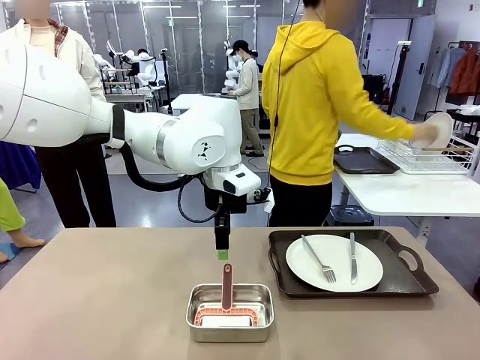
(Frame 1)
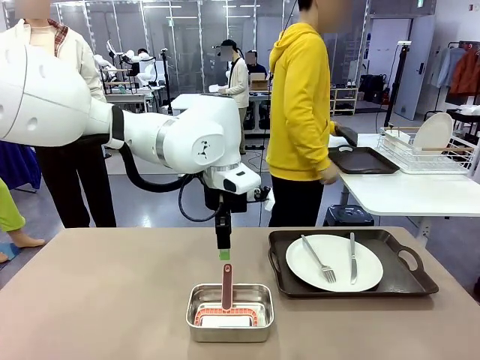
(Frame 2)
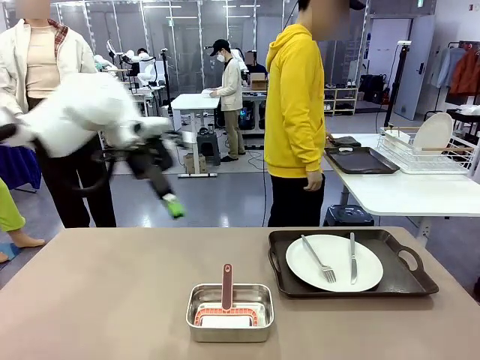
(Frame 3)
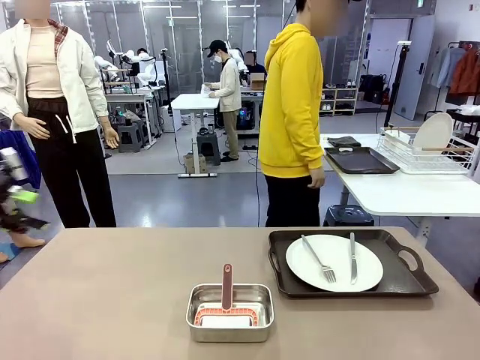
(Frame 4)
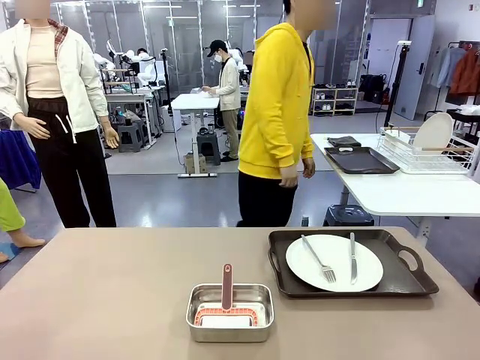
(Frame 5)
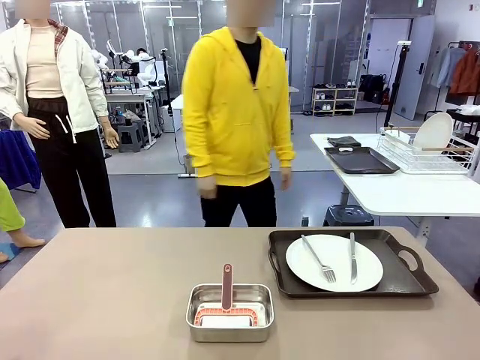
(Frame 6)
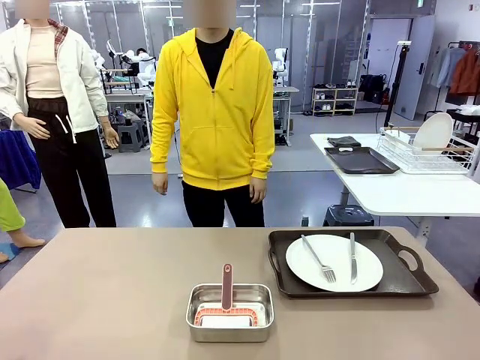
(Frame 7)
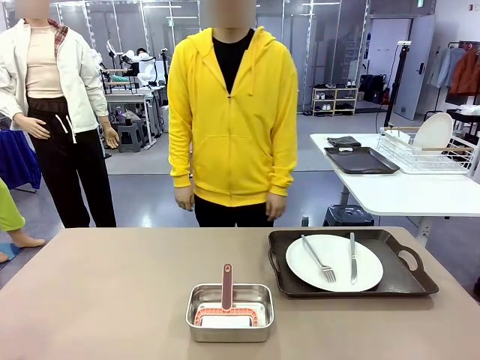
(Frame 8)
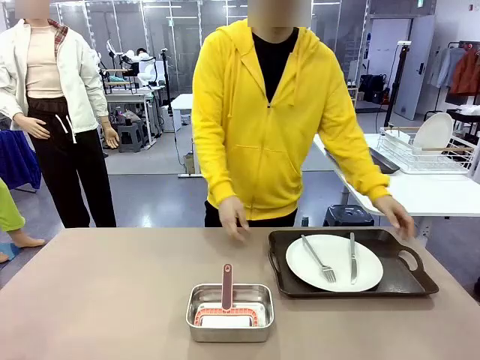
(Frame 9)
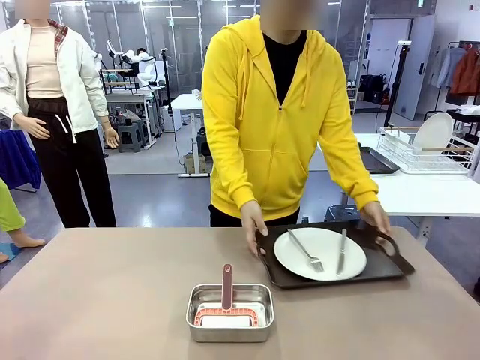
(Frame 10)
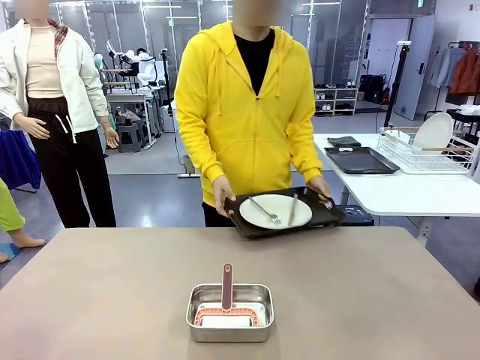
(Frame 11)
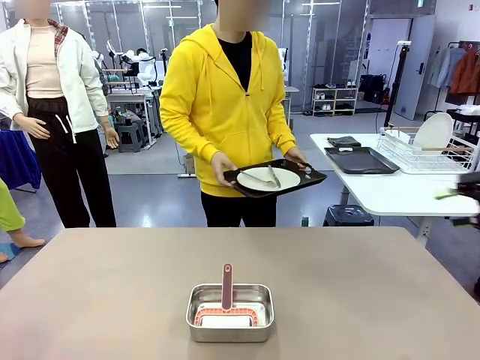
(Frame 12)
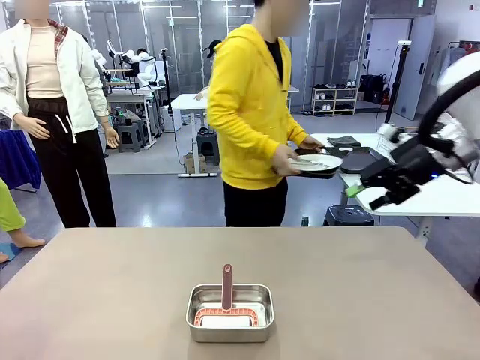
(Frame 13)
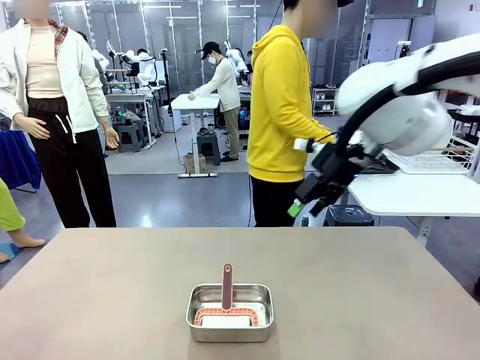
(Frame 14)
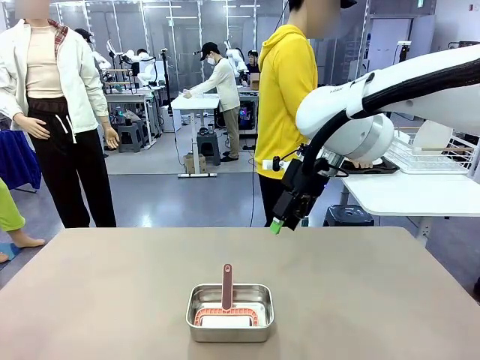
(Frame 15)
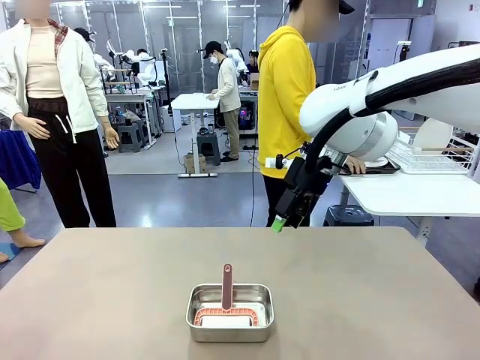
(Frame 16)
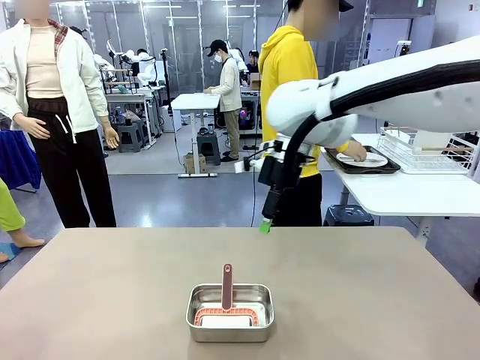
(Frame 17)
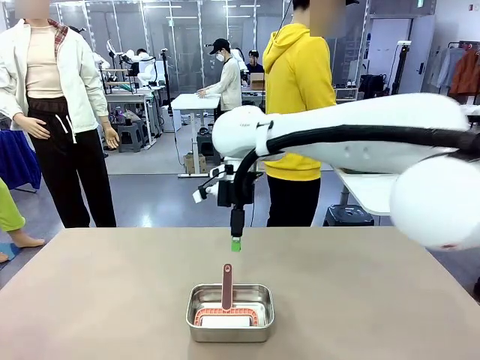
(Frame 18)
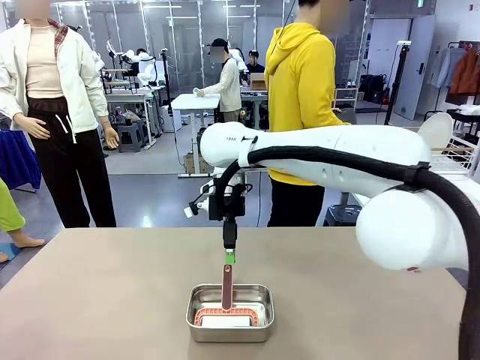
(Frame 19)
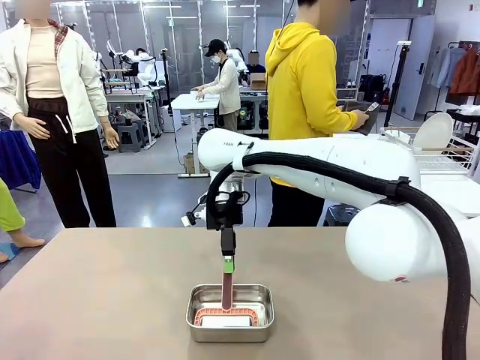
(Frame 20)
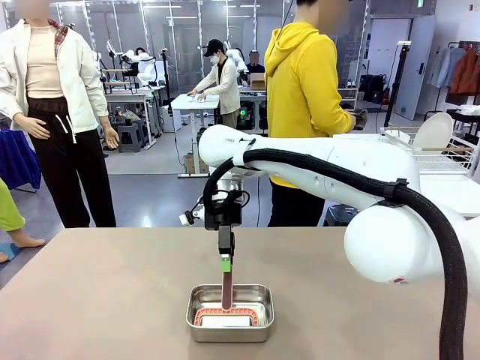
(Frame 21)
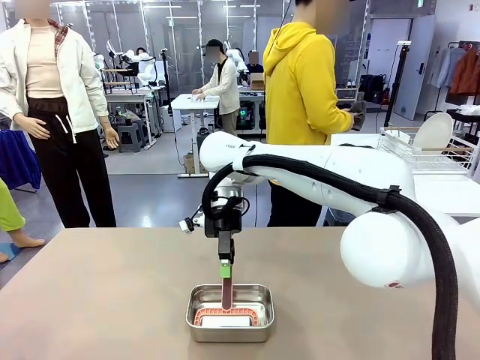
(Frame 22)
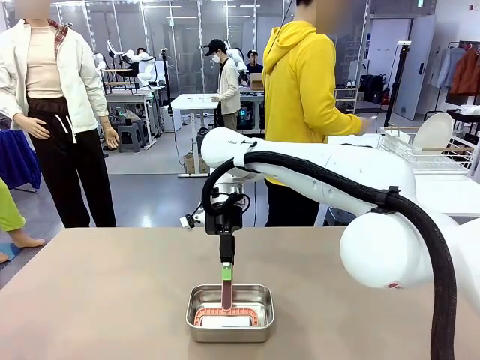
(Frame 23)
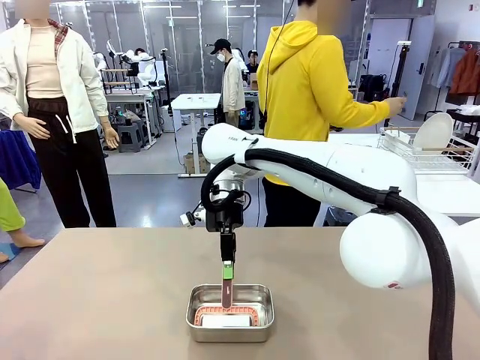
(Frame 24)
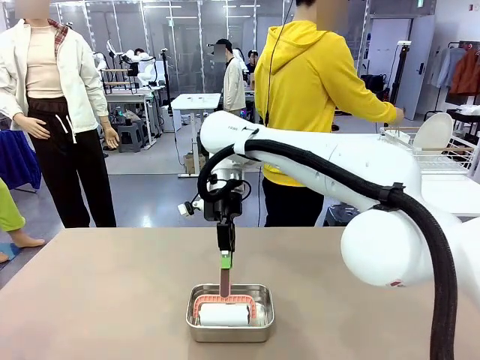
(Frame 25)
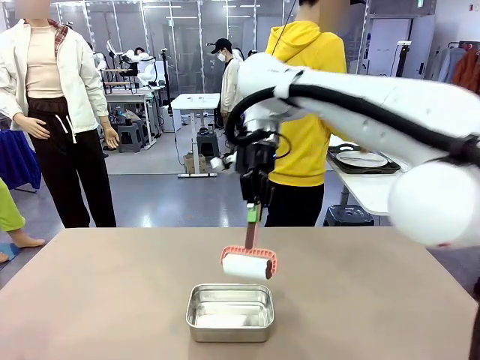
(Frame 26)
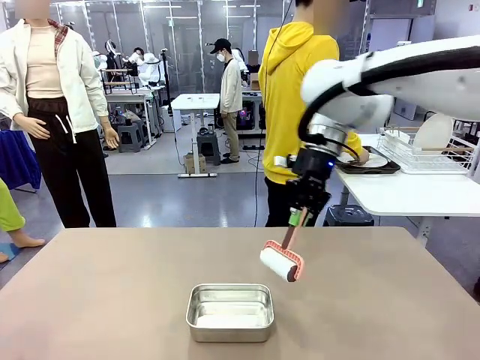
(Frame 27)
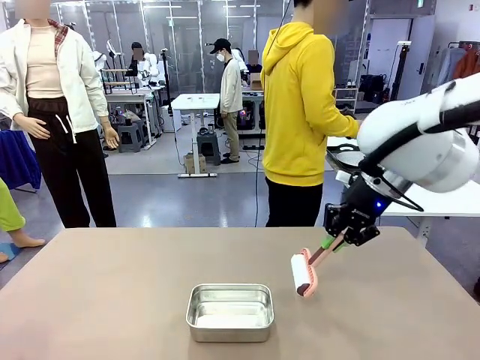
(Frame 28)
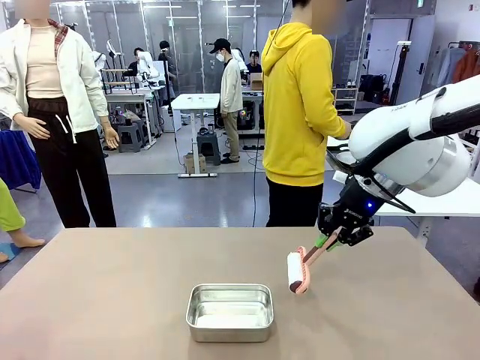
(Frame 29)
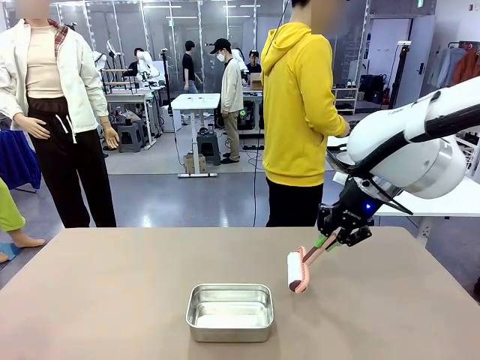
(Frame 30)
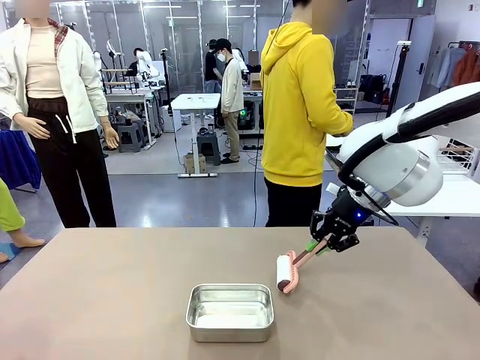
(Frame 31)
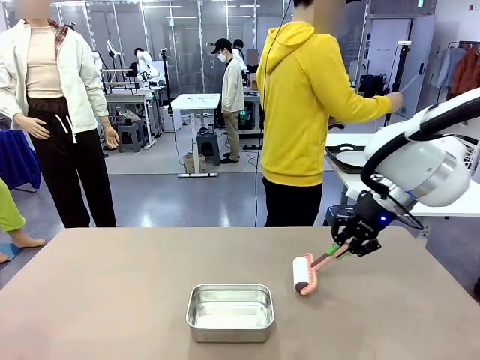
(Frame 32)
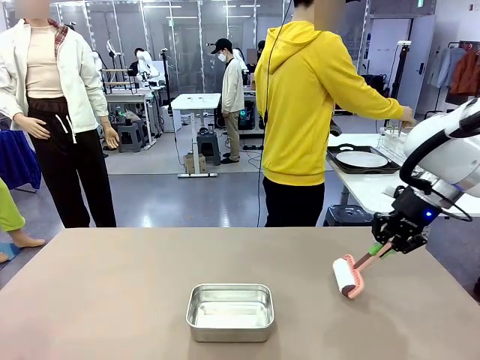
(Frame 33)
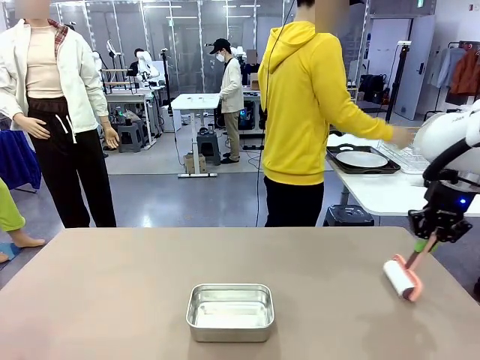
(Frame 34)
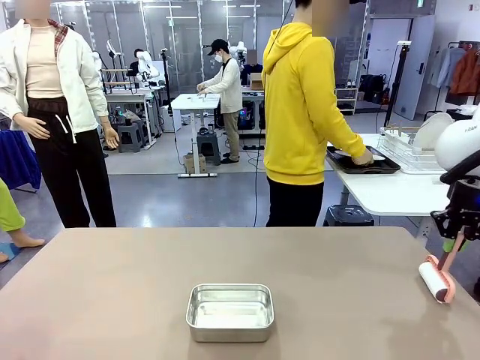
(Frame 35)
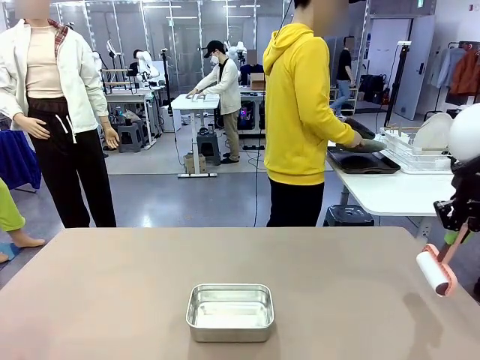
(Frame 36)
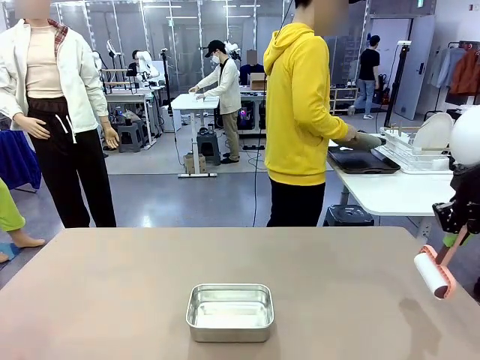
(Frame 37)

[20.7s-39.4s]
Robot: When the right (or left) Handle tray is removed, use the right hand (or left hand) to clean the right (or left) side of the table with the Lint Roller.
Person: Pick up the left (or right) Handle tray and place it on the Handle tray.

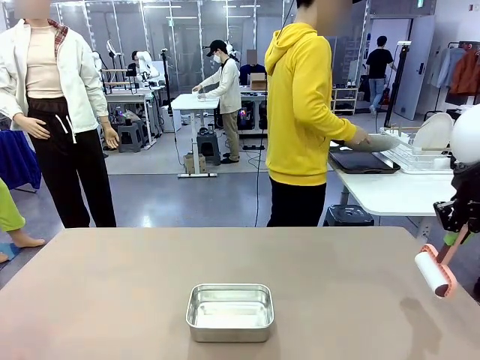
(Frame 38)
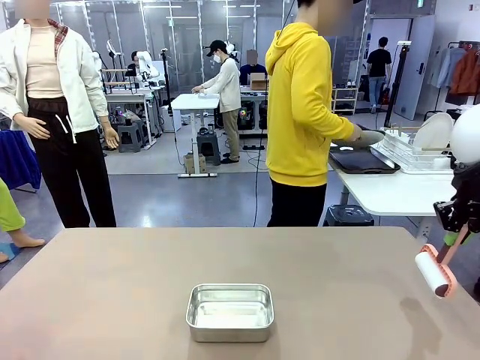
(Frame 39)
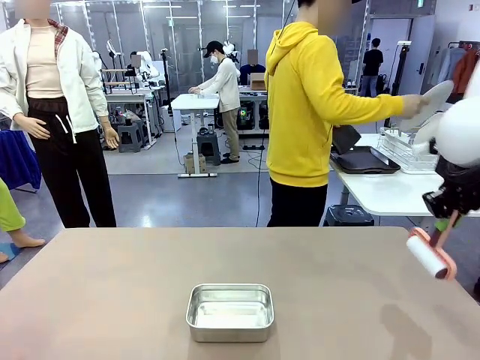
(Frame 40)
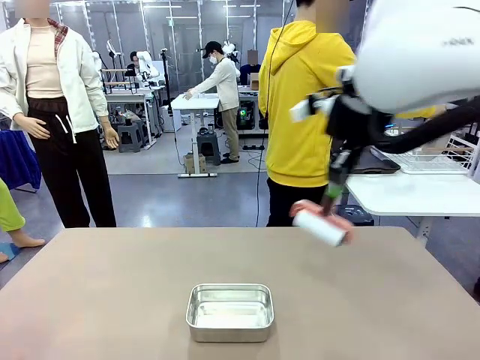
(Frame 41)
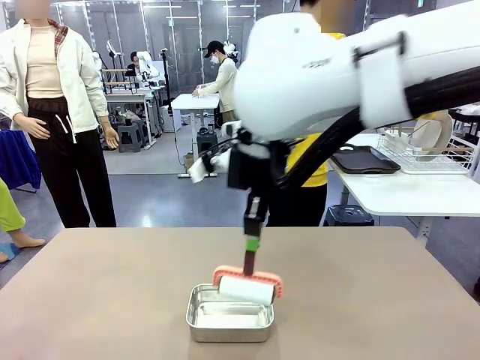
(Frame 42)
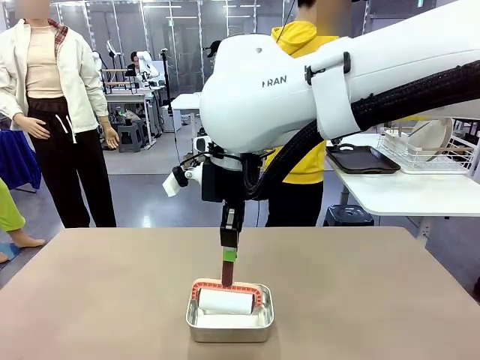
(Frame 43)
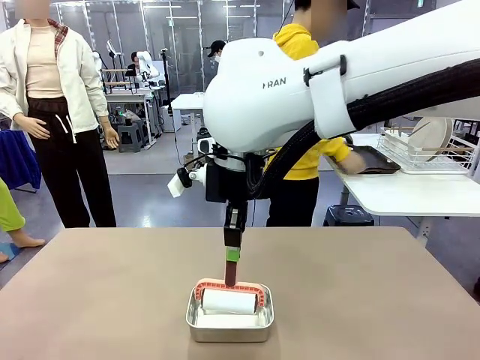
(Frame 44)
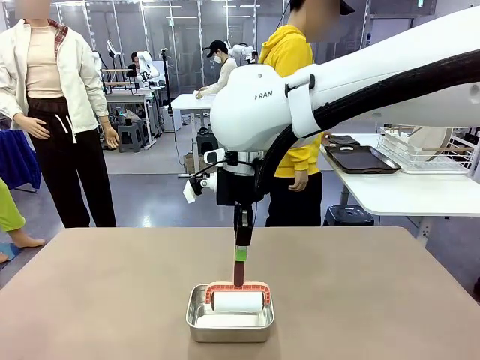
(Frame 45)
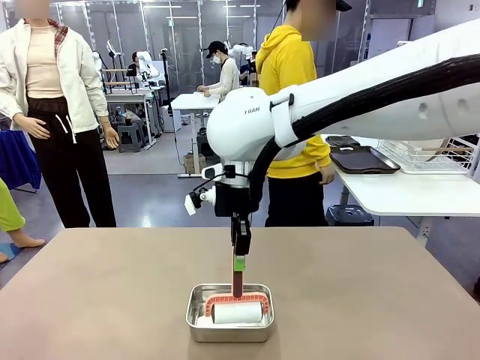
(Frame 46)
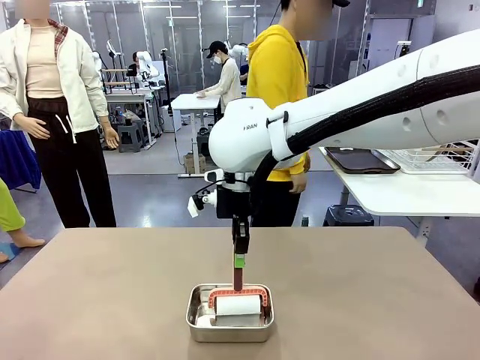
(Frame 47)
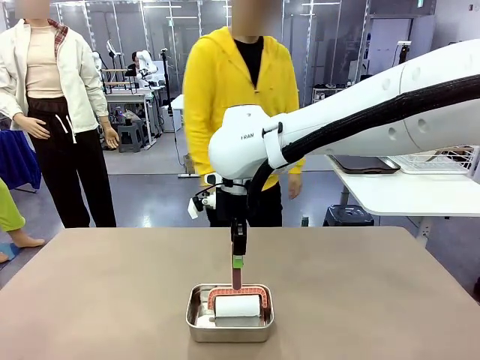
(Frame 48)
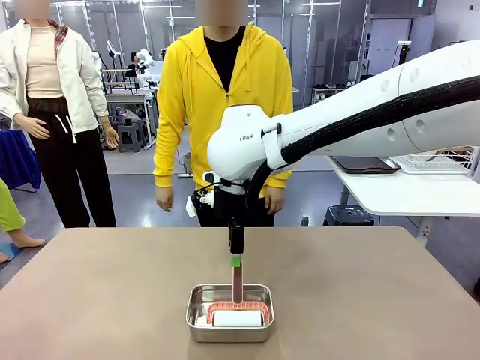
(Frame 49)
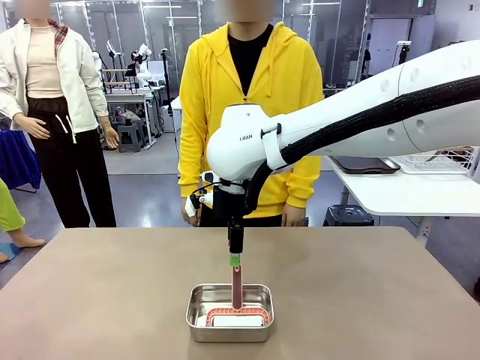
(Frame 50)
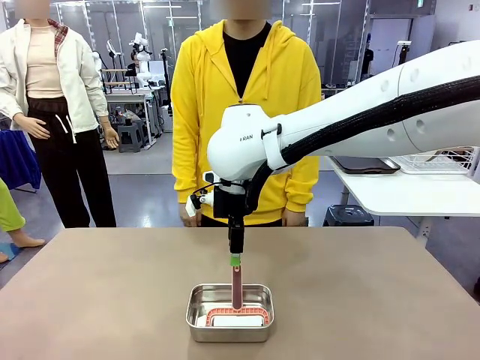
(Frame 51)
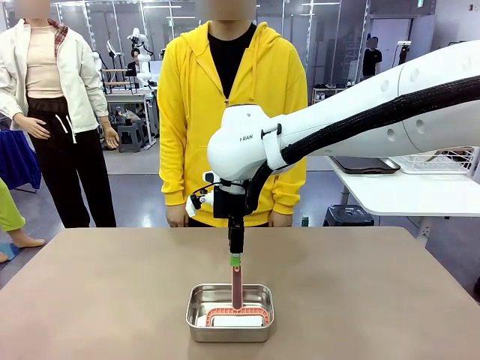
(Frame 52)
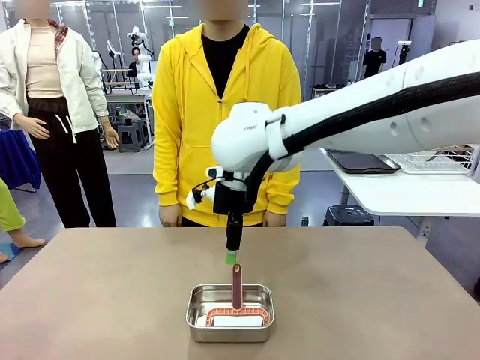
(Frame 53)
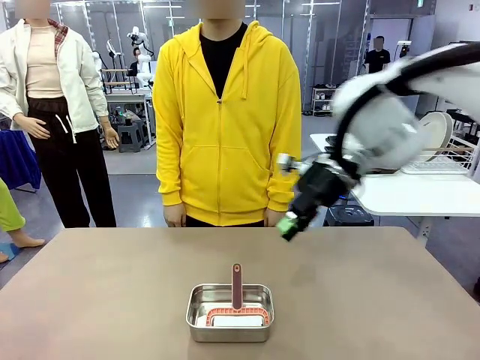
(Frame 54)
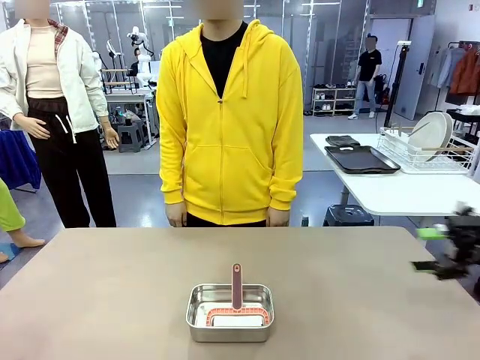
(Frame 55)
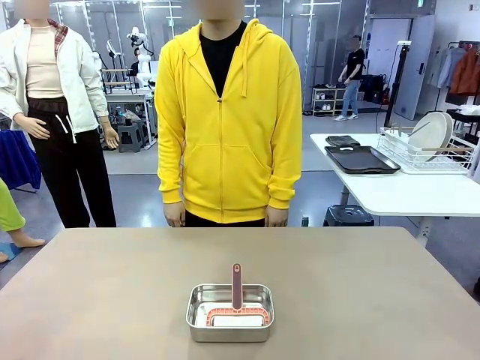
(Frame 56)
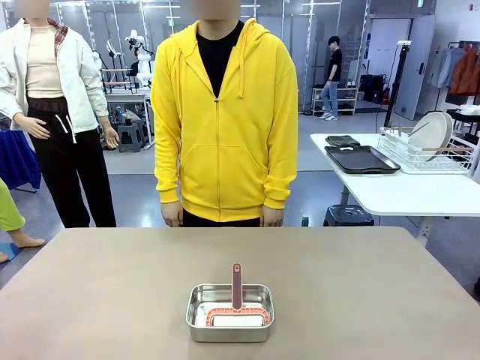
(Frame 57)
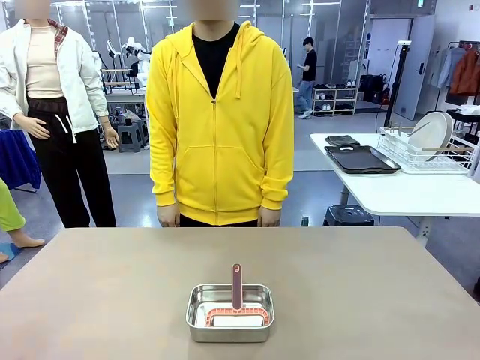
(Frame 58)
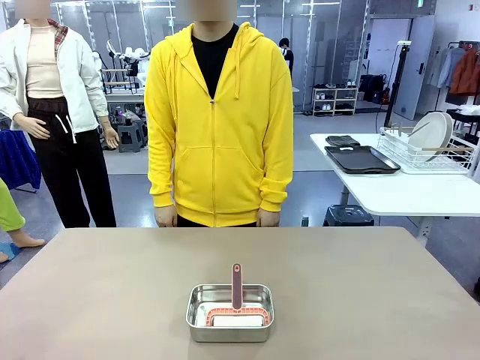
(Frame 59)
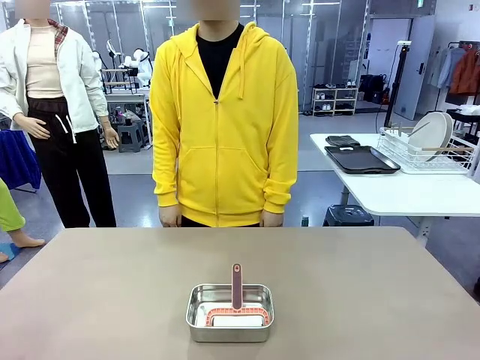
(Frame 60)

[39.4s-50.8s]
Robot: Place the Lint Roller back on top of the Airtight Container.
Person: Use the Towel with hook to wipe the Plastic Matte Plate , Fork , and Knife and place into the Dish drying rack.
